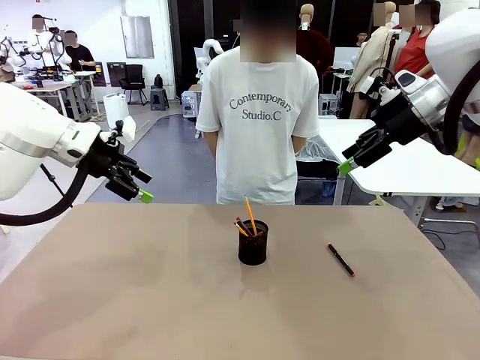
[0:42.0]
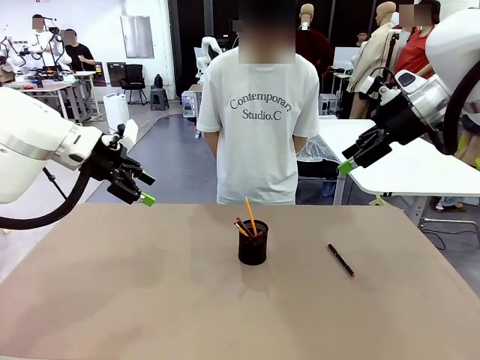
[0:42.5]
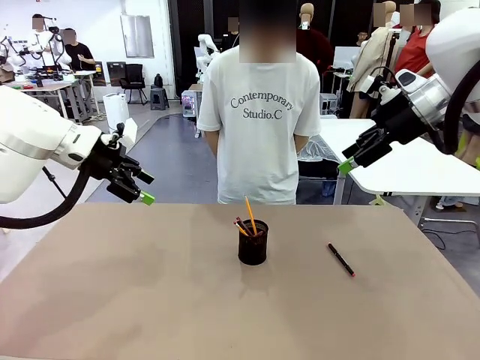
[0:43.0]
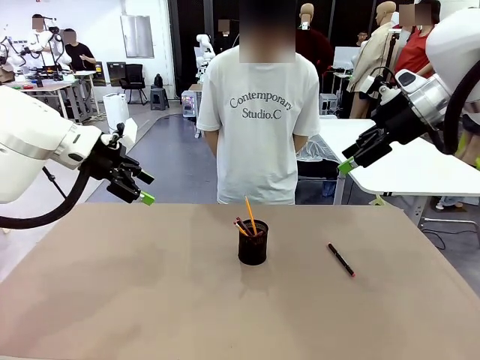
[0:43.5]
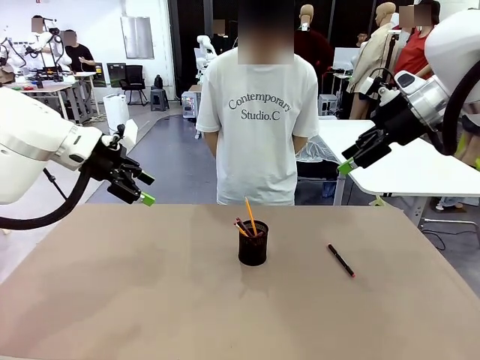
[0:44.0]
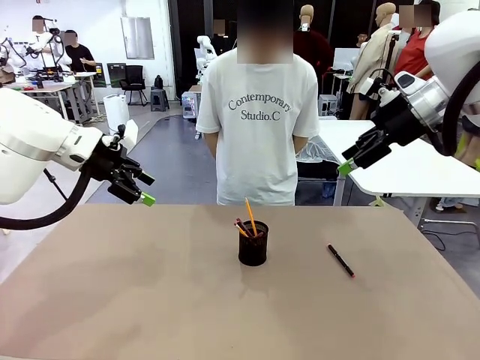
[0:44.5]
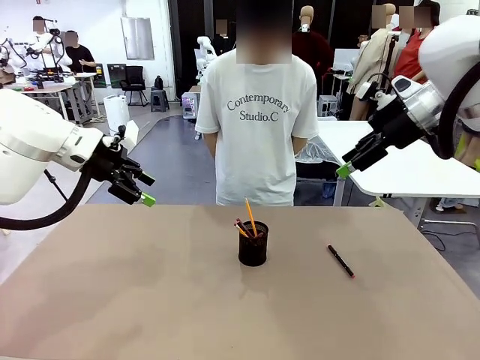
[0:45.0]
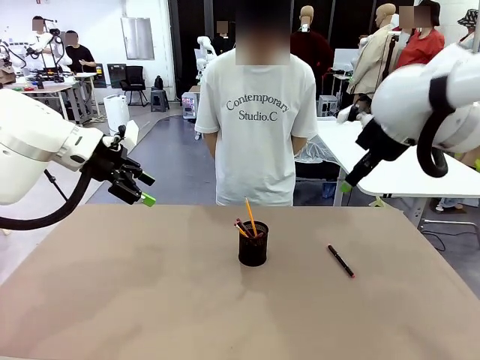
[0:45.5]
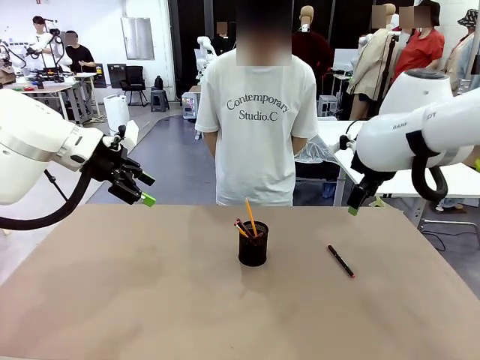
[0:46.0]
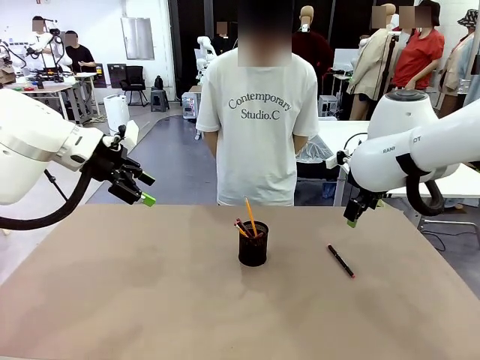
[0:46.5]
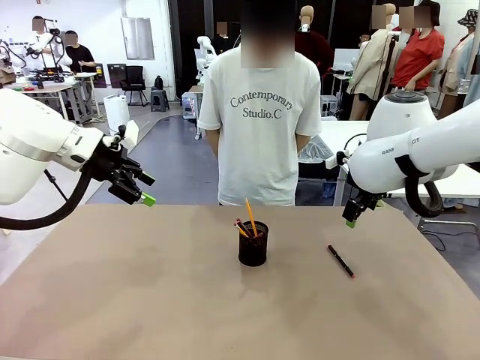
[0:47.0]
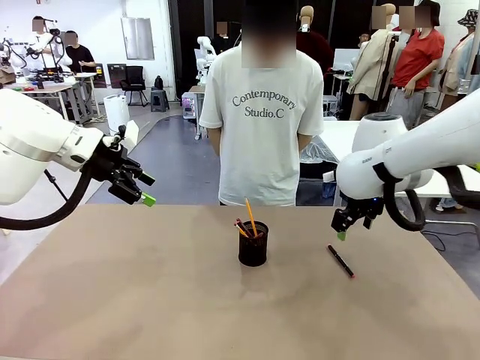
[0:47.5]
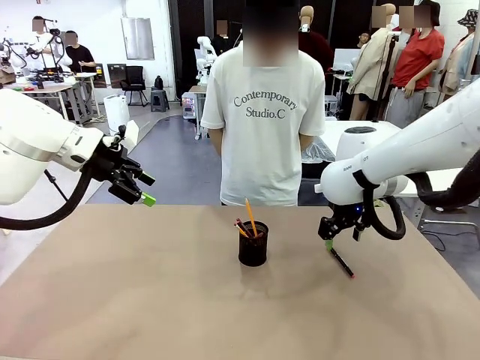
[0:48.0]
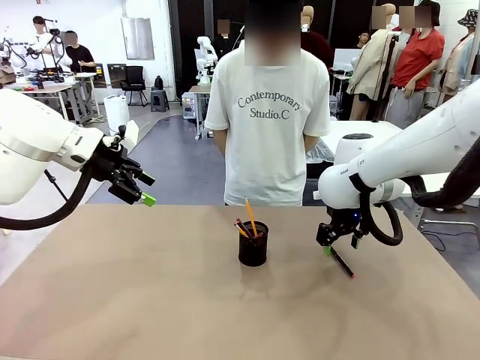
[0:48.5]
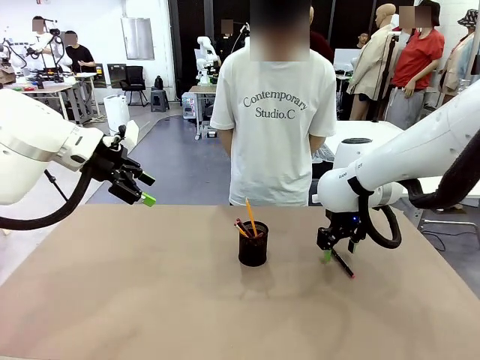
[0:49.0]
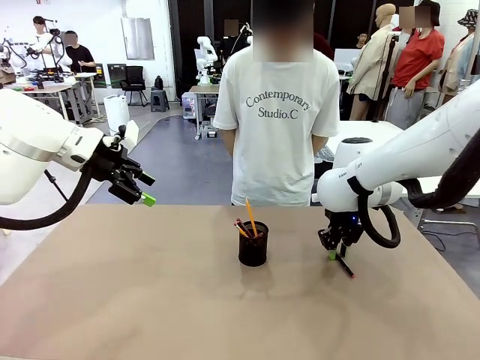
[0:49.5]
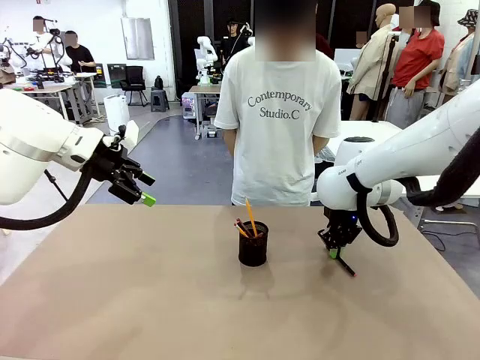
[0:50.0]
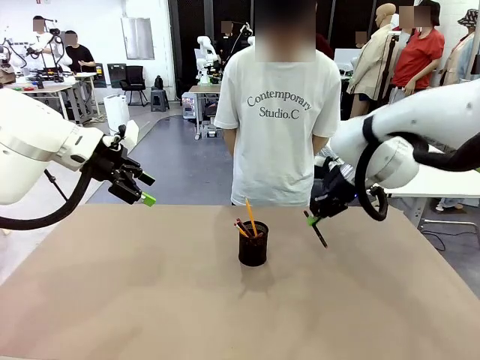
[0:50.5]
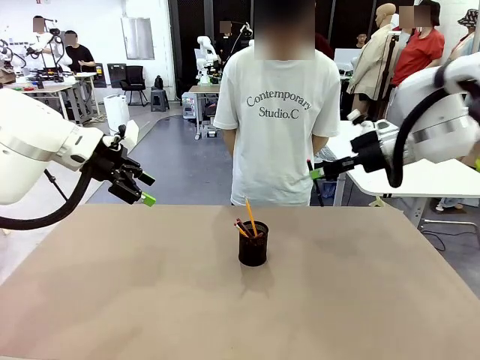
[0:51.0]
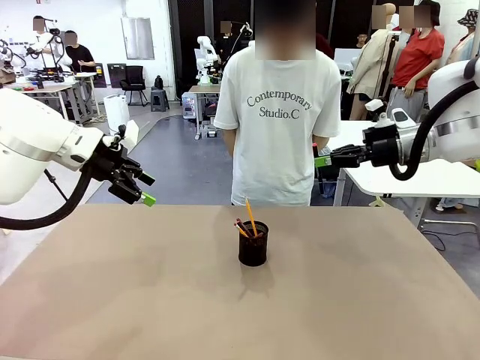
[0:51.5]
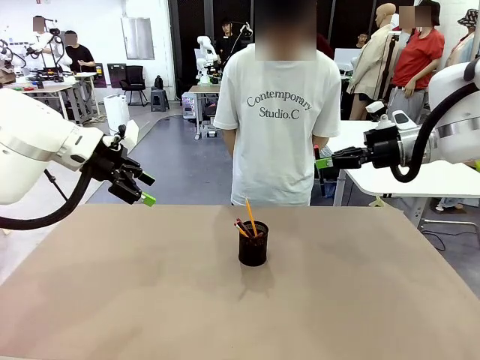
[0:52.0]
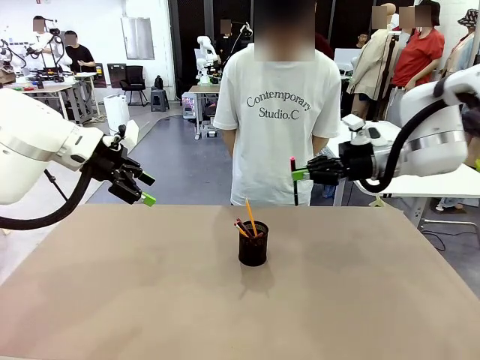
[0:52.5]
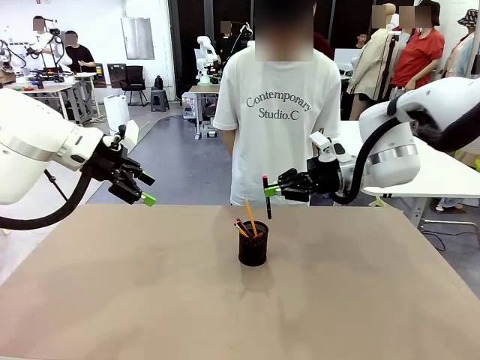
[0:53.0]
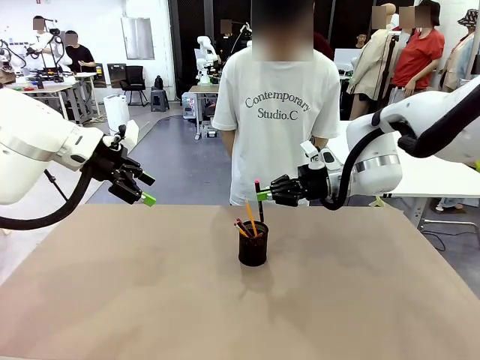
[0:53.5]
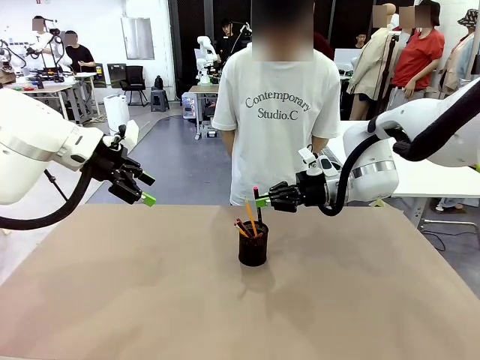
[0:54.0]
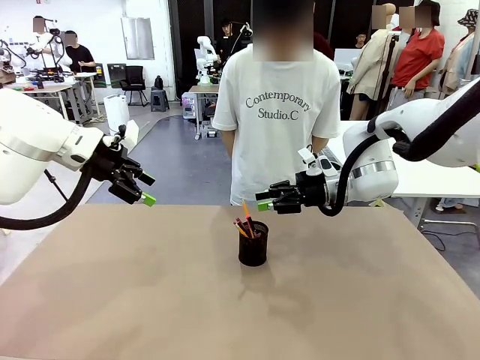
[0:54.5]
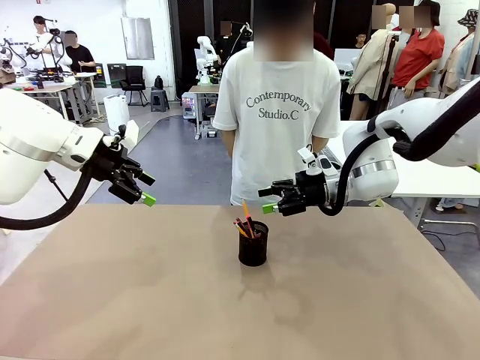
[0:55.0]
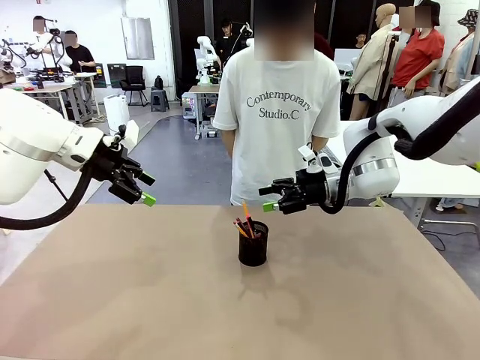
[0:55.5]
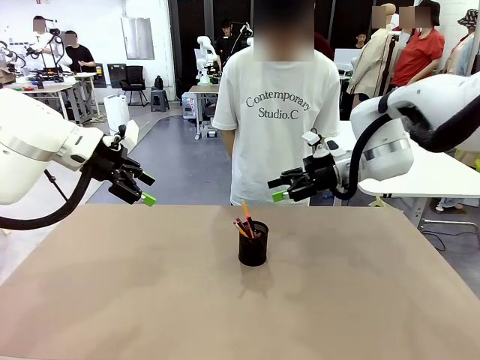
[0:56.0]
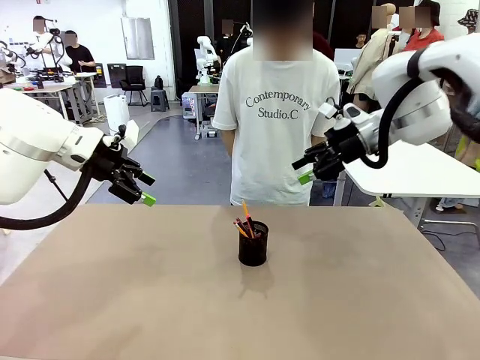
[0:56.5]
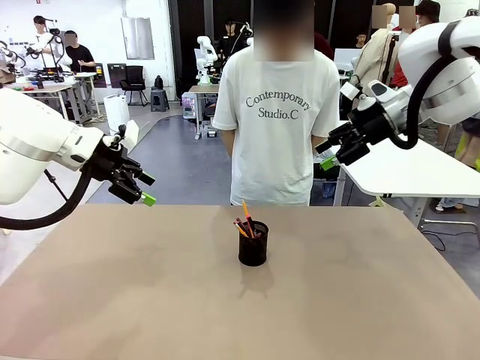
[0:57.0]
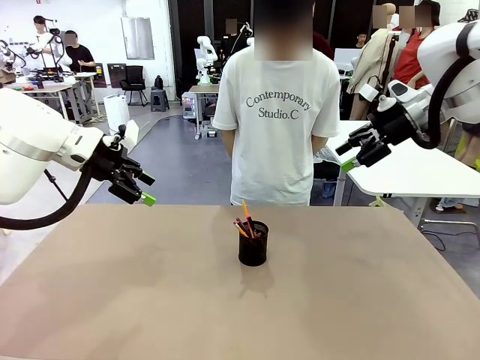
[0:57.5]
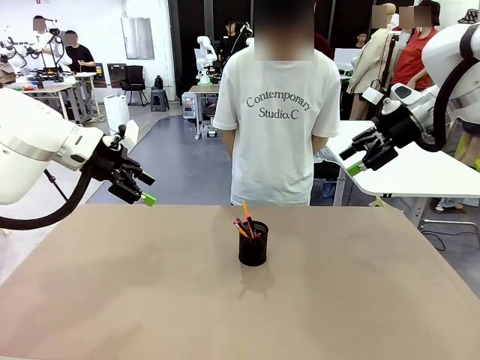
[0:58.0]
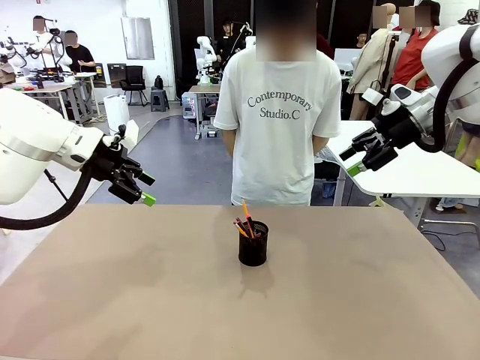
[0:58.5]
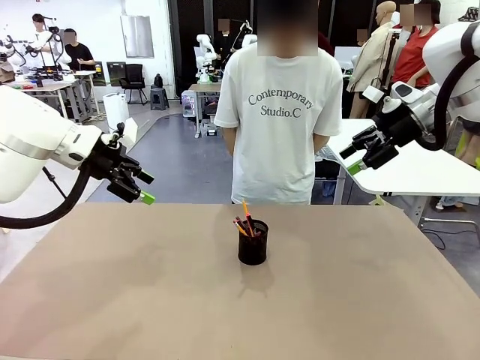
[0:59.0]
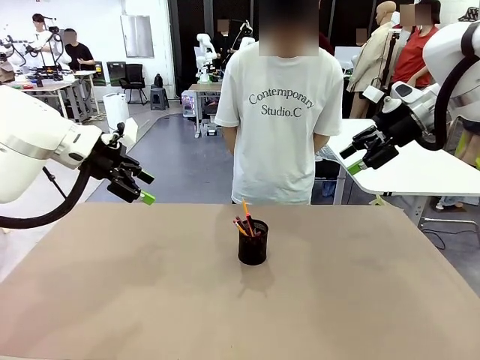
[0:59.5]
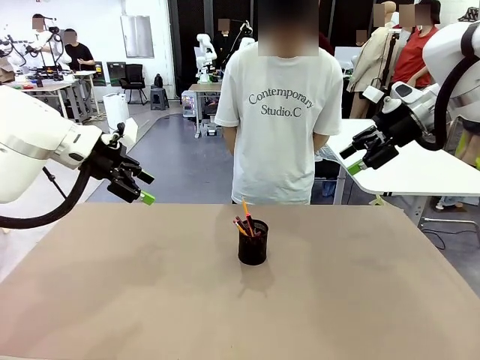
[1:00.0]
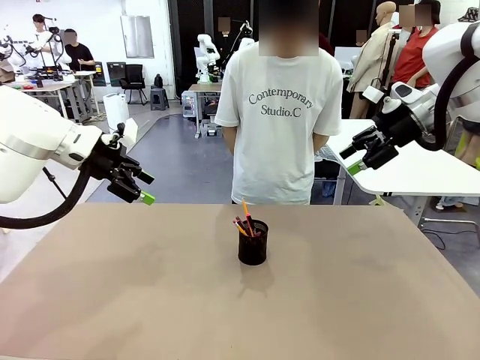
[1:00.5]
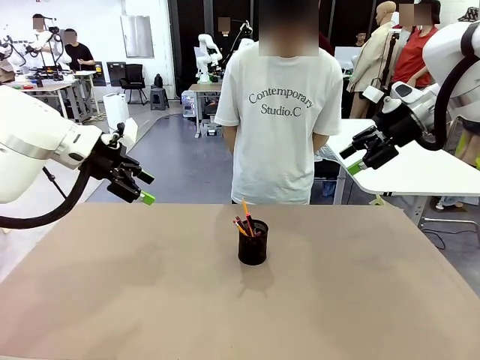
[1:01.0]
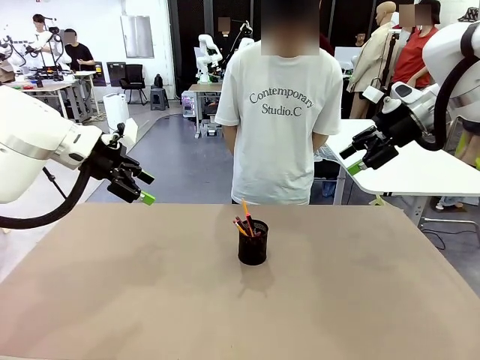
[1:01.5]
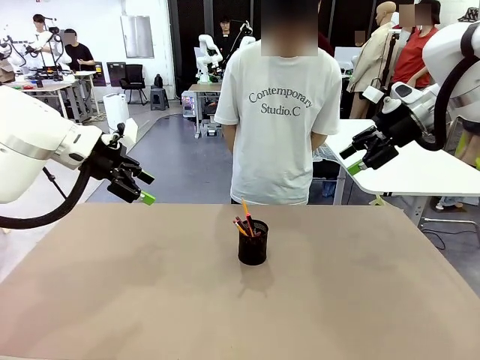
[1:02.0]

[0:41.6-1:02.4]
Task: Place the pens into the pen holder.
Robot: Pick up a writing instrument from the table and place it into the Pen holder.
